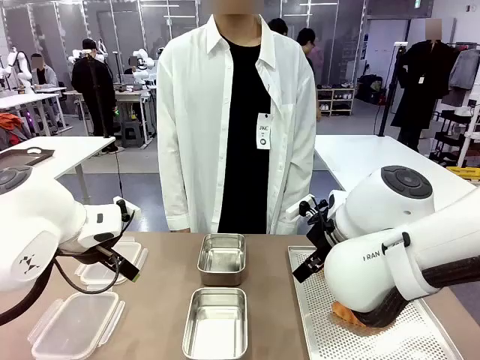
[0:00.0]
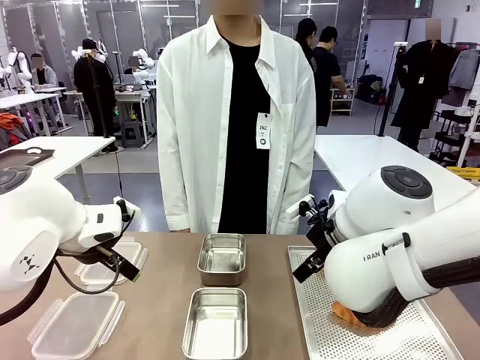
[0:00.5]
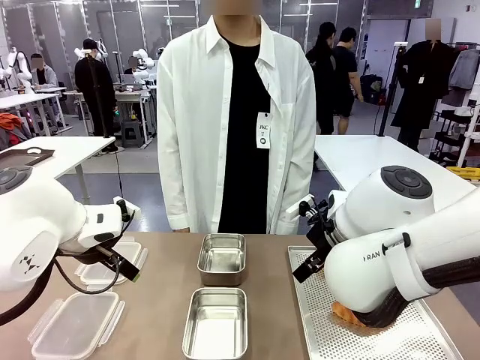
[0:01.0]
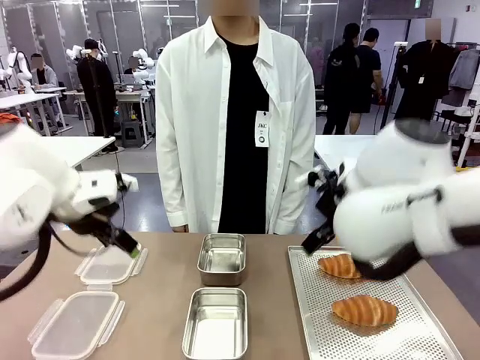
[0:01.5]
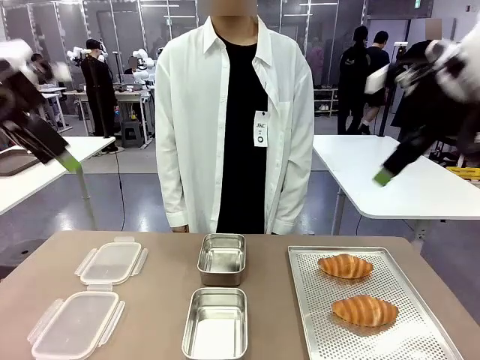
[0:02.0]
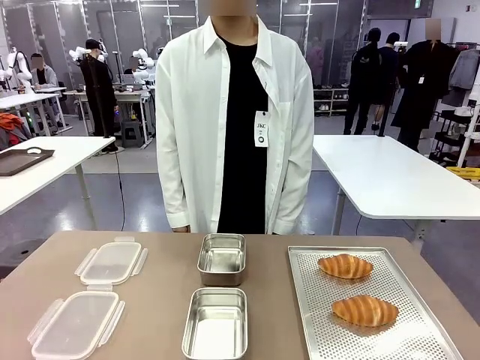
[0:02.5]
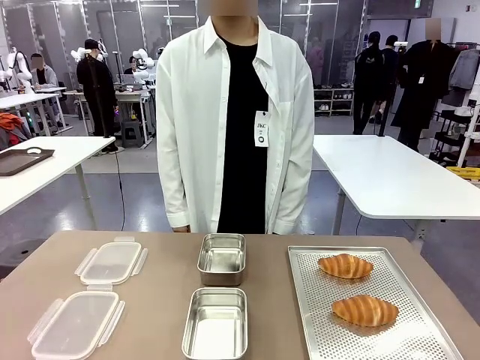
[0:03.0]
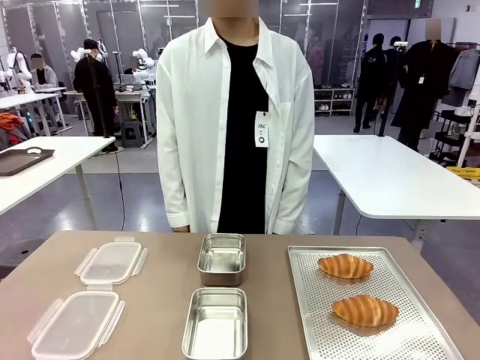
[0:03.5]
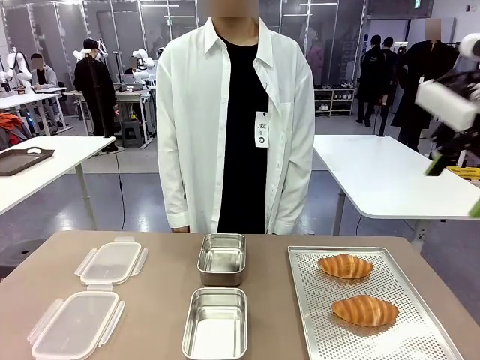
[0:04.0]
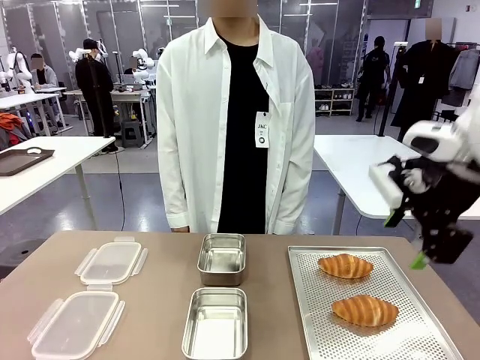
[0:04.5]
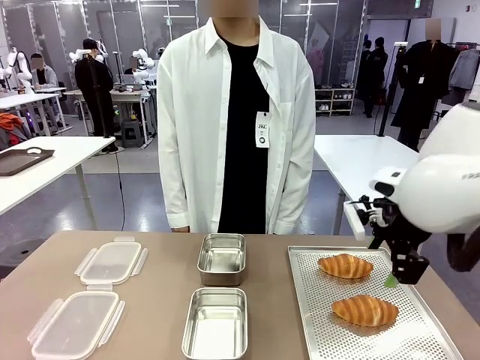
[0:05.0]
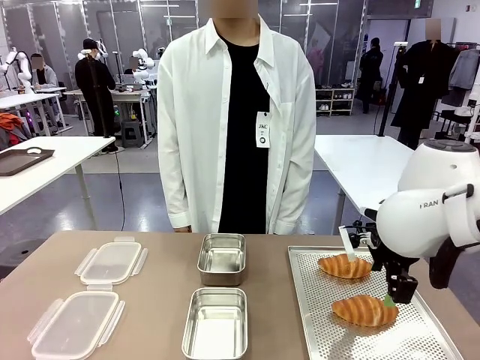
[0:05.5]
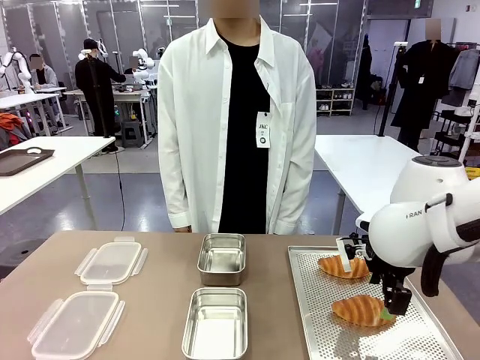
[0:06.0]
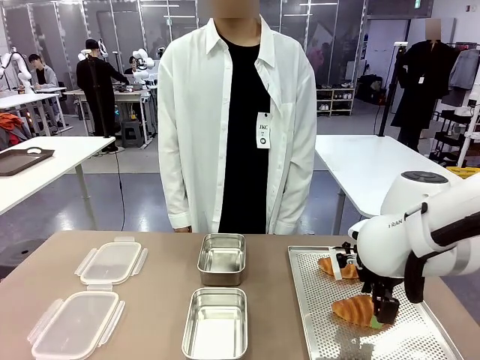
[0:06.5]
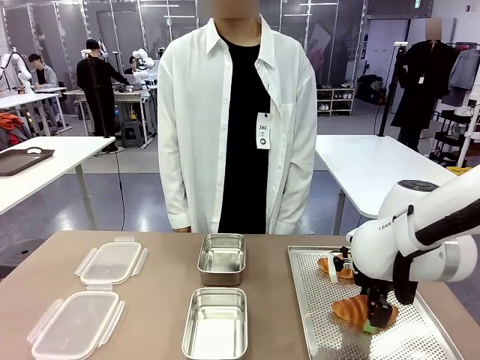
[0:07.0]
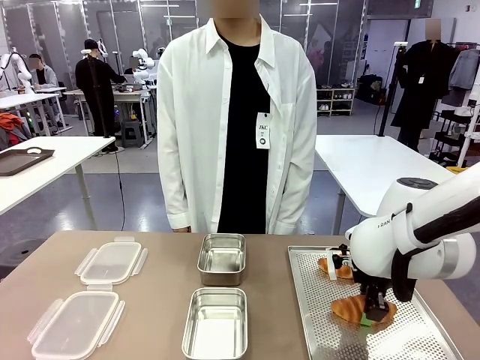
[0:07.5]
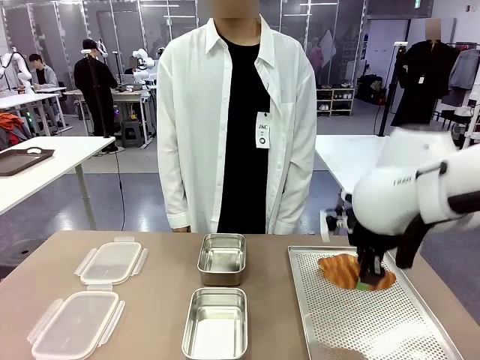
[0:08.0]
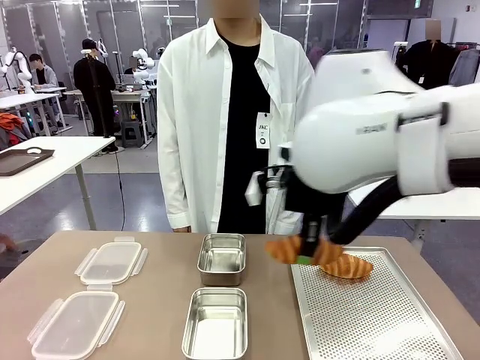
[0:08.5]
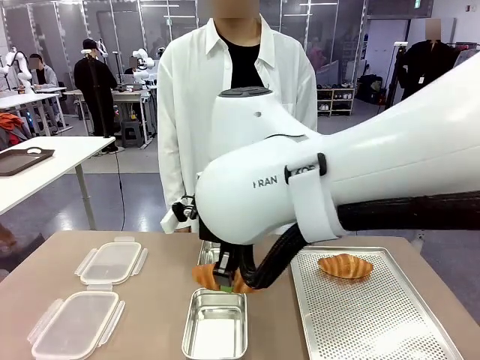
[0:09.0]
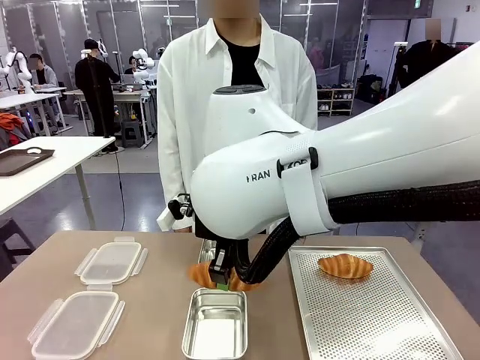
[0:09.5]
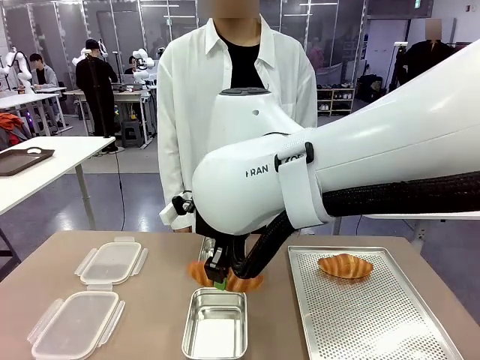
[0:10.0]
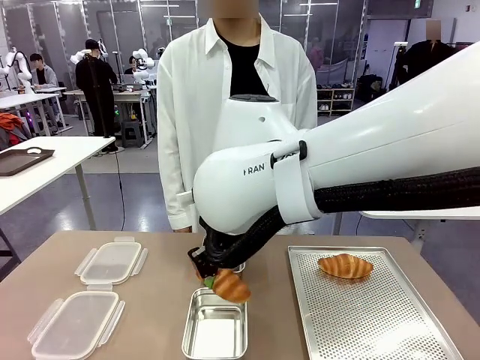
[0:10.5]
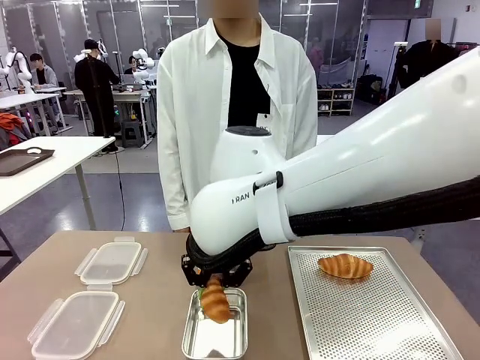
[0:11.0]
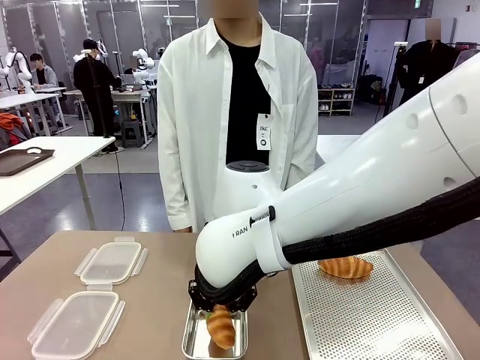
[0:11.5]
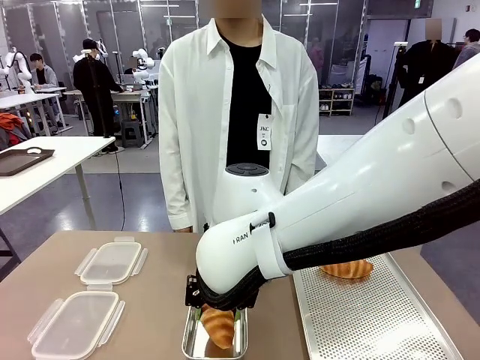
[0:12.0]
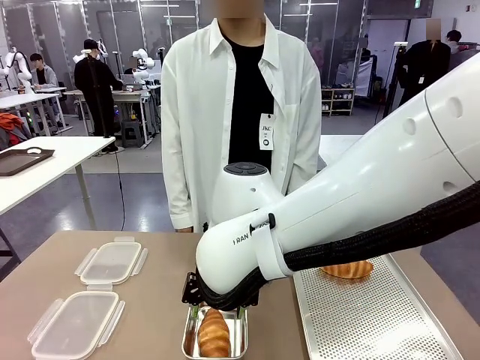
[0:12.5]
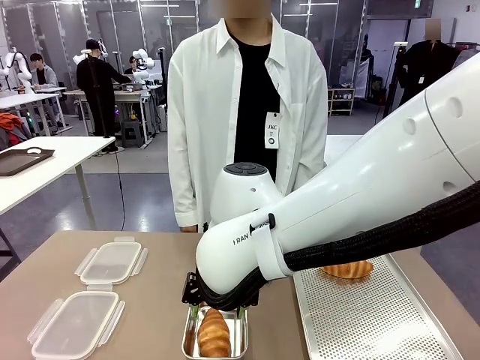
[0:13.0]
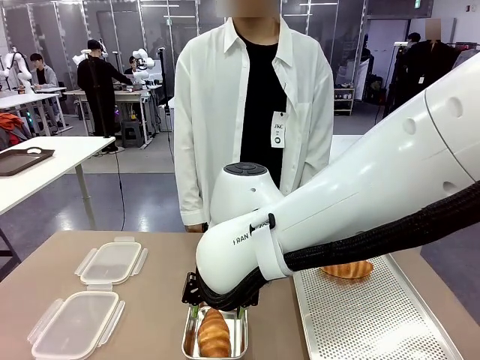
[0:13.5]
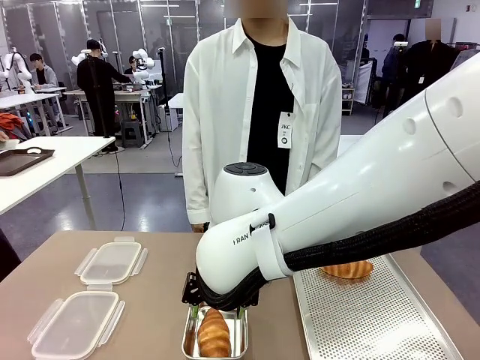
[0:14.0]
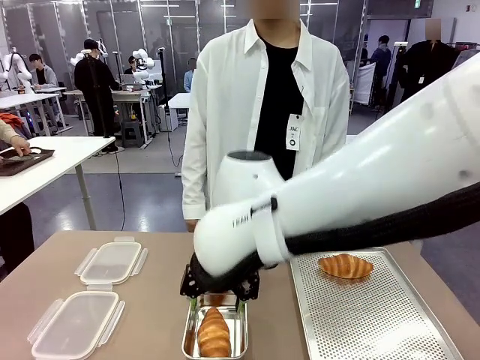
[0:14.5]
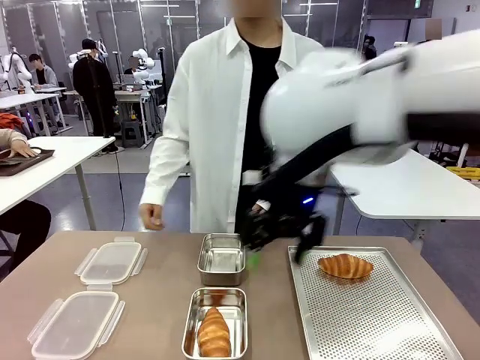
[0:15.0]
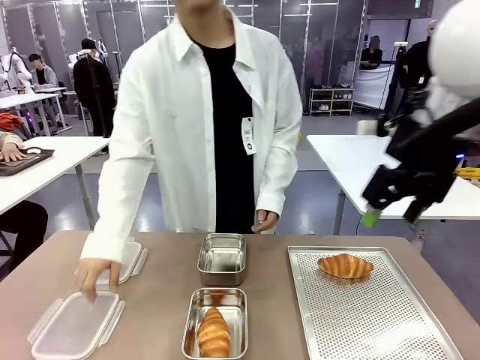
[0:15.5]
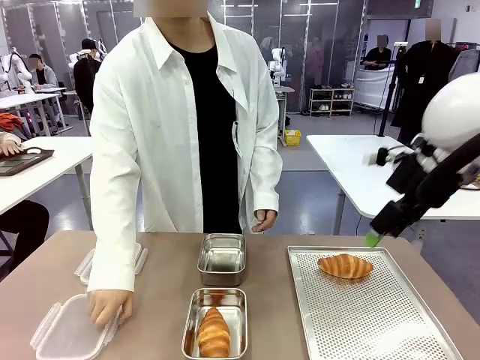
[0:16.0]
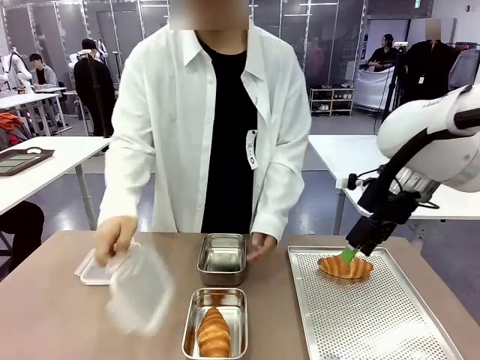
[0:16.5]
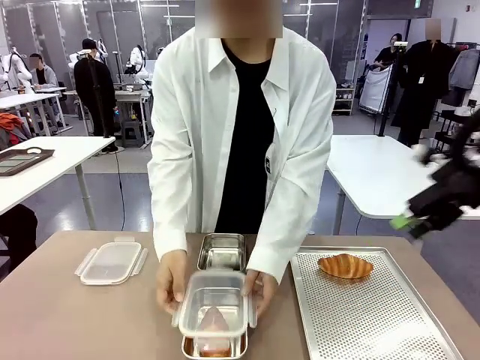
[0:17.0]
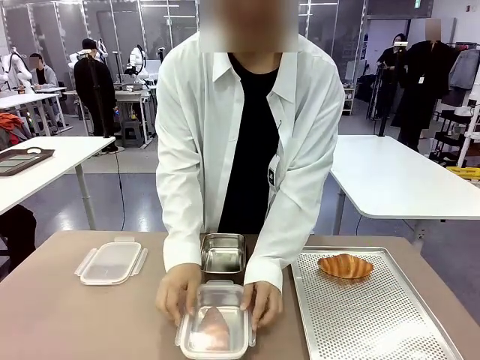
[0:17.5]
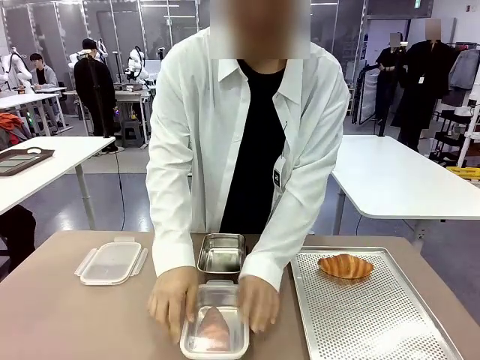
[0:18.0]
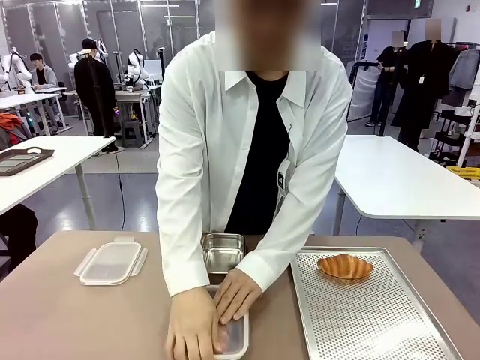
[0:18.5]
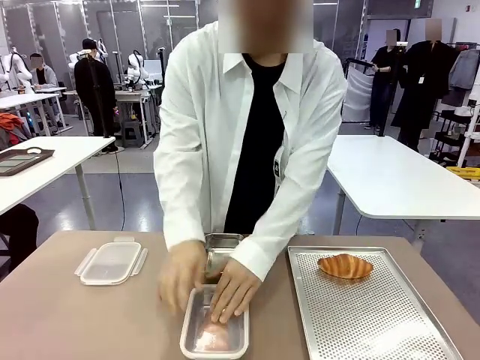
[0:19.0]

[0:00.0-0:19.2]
Task: Place the bread into the airtight container.
Robot: Pick up a Butter Roll and place it into an empty Airtight Container.
